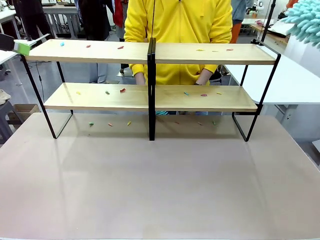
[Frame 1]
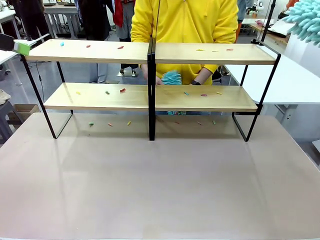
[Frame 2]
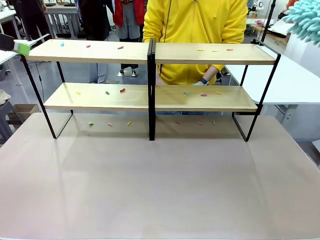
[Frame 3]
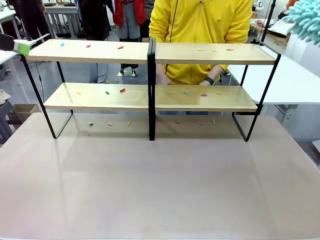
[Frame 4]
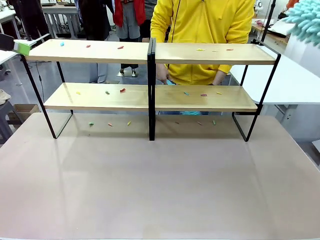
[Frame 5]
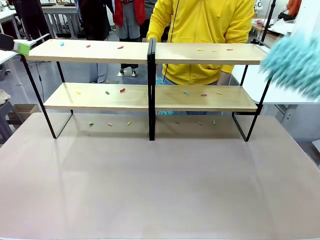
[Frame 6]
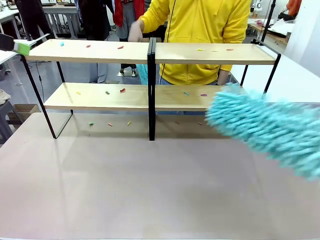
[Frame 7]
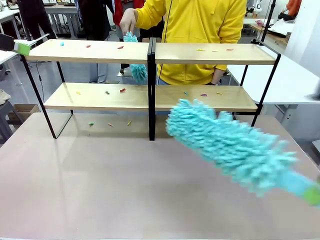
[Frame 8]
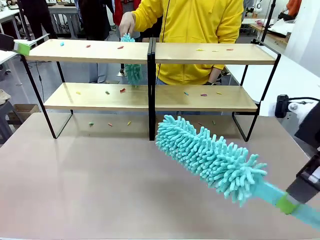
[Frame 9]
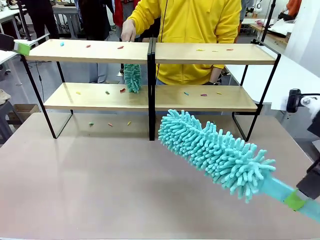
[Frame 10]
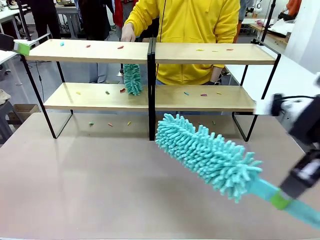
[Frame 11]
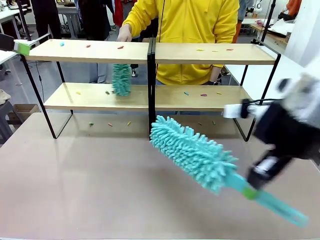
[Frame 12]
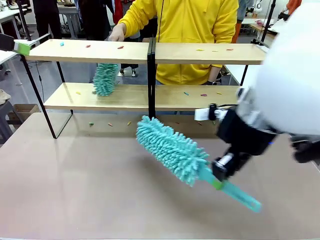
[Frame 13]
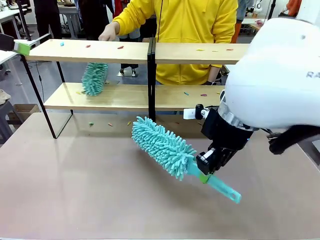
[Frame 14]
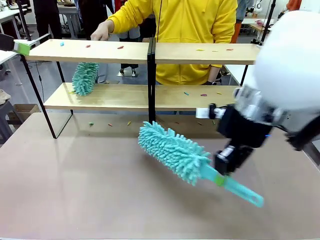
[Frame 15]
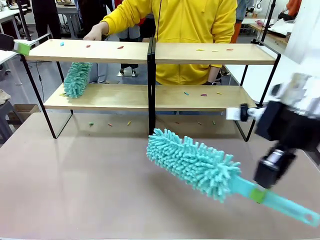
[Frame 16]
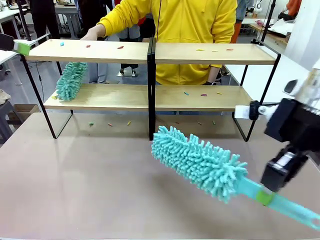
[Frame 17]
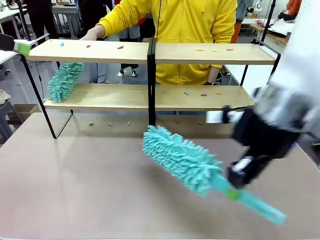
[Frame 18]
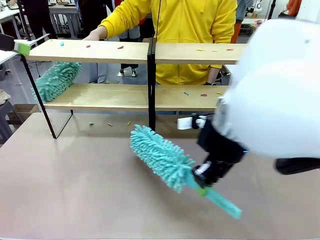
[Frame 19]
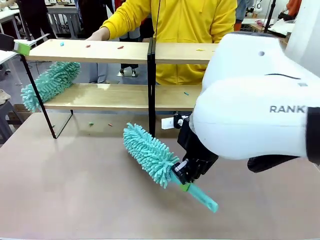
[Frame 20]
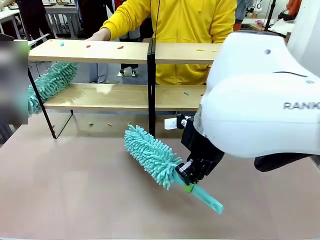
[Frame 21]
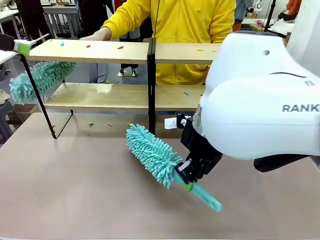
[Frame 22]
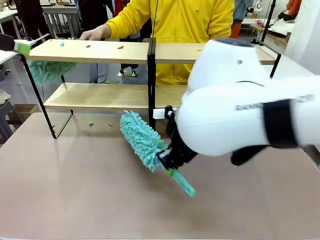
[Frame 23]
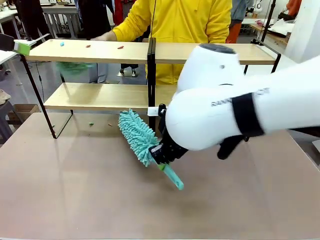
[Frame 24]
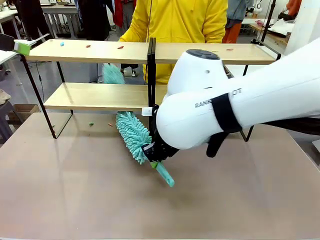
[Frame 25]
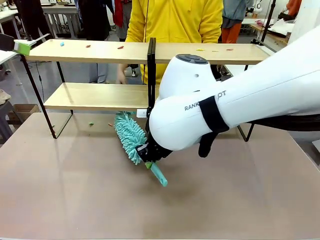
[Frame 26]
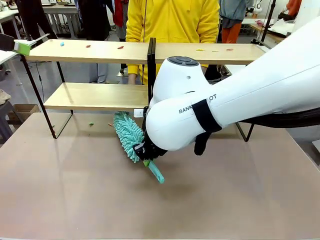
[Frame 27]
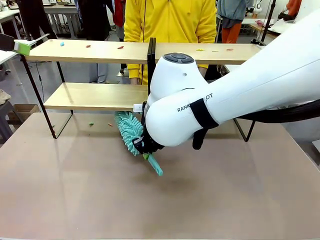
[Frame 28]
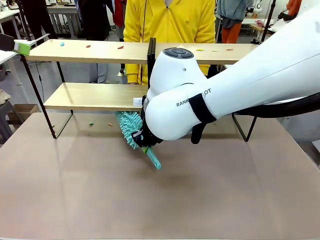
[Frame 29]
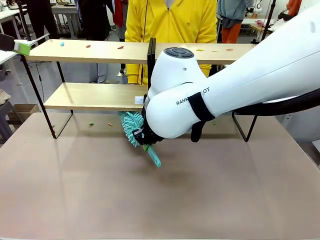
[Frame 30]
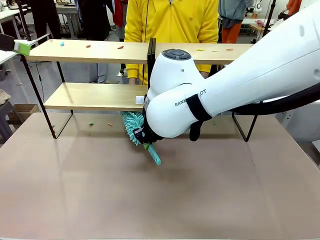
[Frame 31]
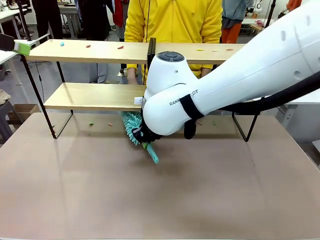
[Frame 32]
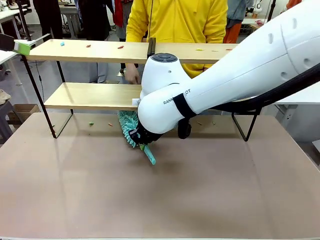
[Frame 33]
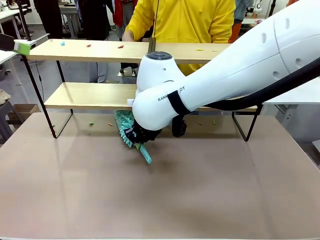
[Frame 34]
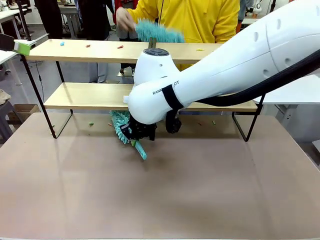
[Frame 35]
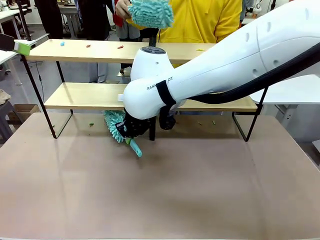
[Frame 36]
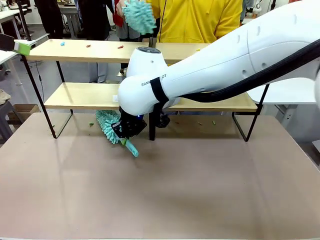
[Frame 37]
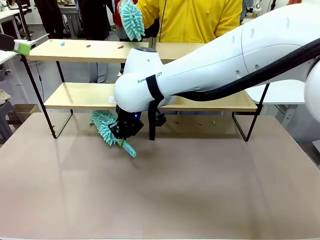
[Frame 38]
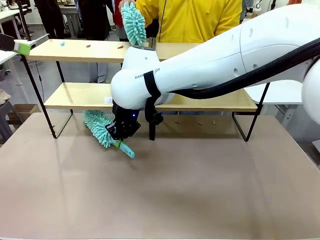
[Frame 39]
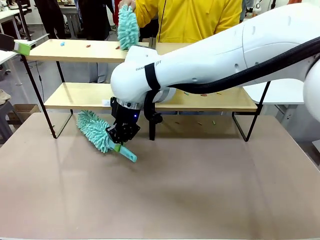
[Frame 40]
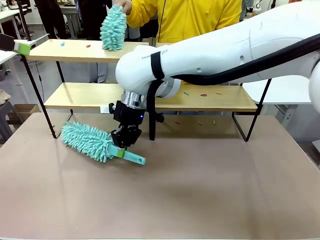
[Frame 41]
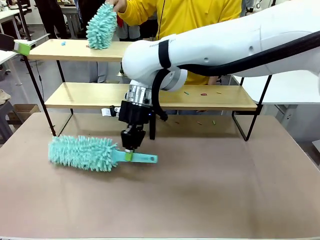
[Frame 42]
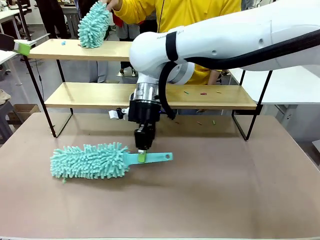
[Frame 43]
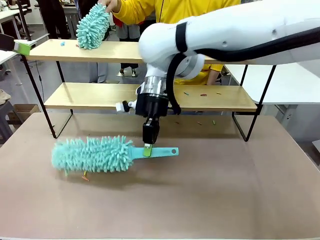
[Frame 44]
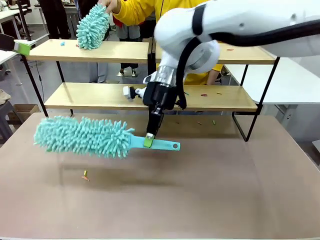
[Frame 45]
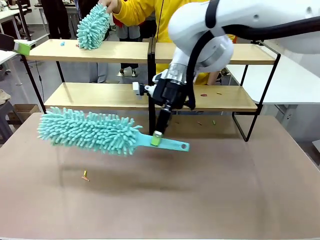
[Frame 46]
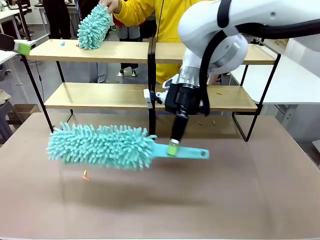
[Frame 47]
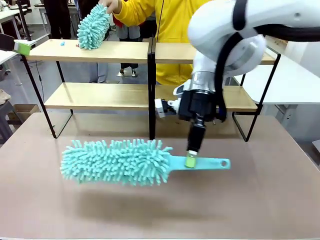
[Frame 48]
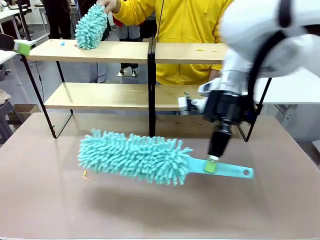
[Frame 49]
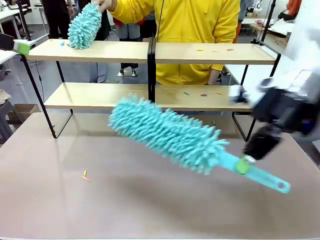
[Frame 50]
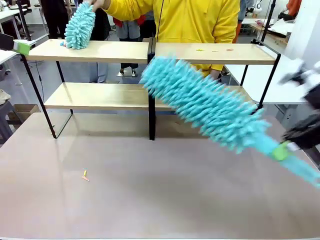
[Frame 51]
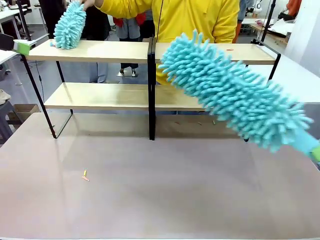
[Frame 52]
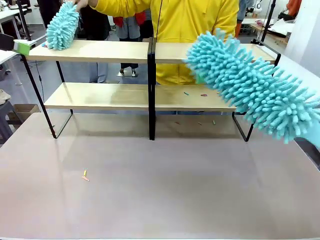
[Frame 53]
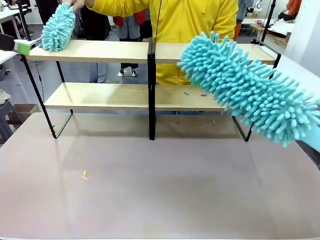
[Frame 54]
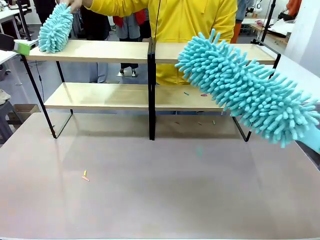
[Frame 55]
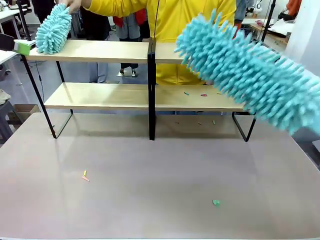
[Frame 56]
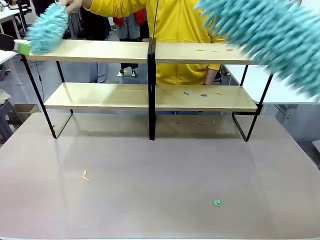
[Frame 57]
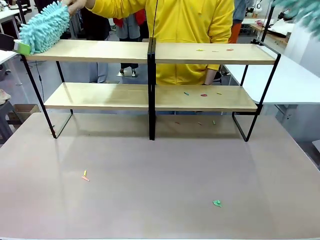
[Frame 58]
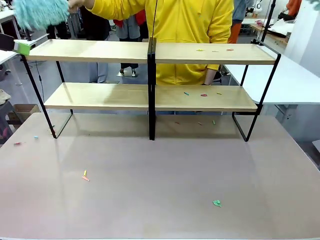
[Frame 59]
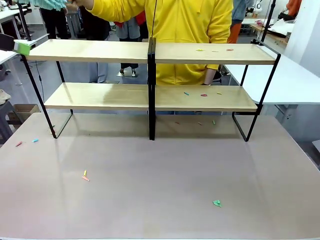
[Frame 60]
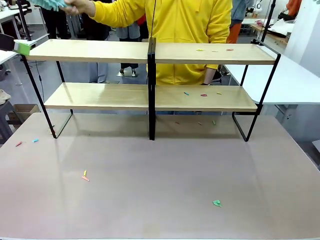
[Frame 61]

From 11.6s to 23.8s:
Task: Clean the shelves.
Robot: Clean a randomly selected level of the Shelf with the Duster.

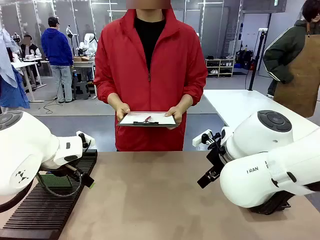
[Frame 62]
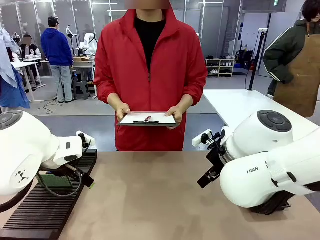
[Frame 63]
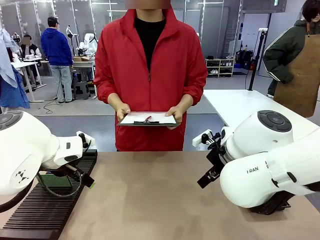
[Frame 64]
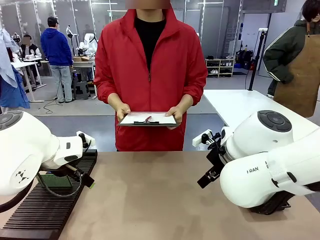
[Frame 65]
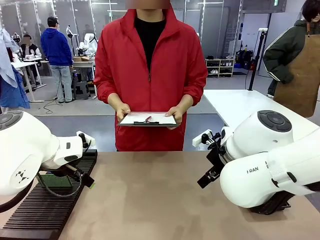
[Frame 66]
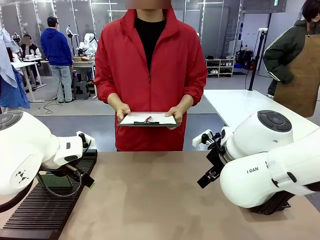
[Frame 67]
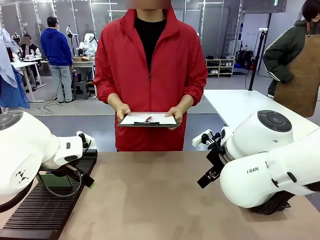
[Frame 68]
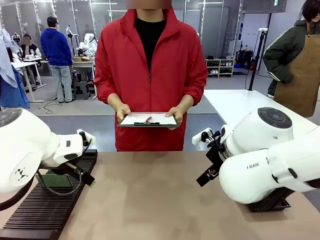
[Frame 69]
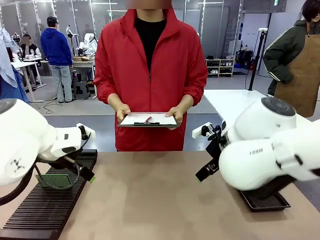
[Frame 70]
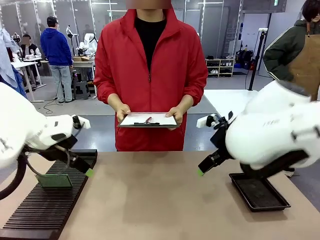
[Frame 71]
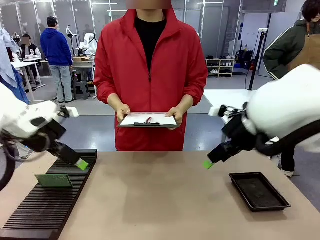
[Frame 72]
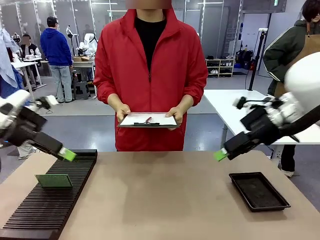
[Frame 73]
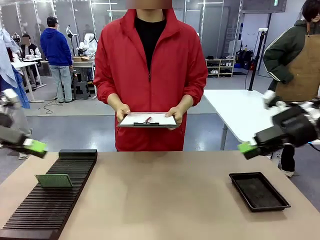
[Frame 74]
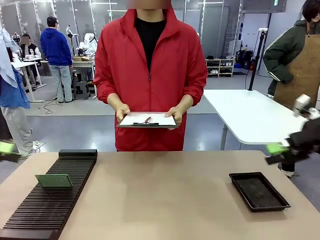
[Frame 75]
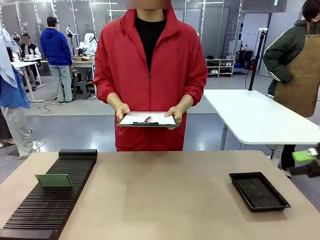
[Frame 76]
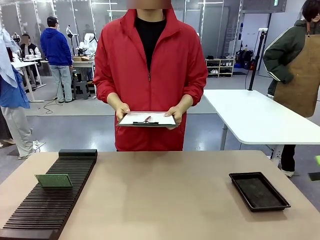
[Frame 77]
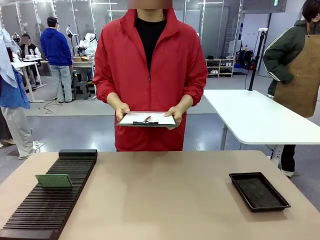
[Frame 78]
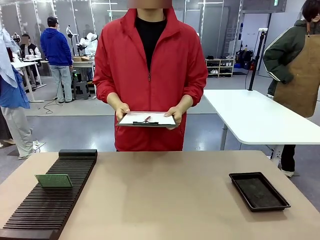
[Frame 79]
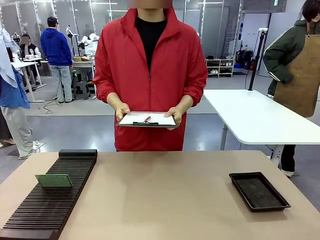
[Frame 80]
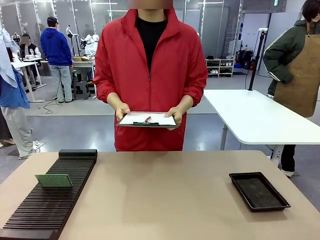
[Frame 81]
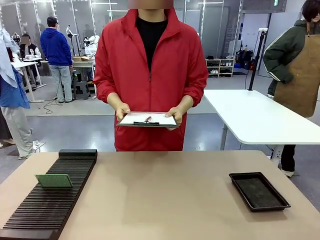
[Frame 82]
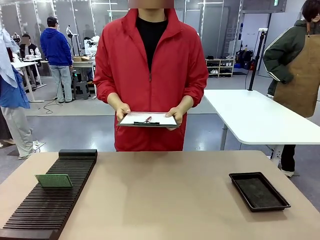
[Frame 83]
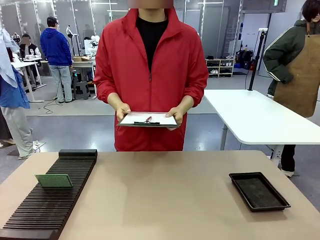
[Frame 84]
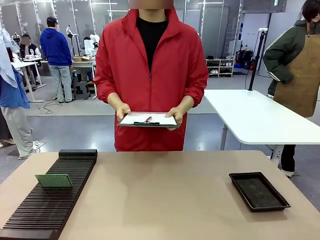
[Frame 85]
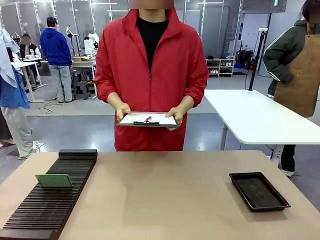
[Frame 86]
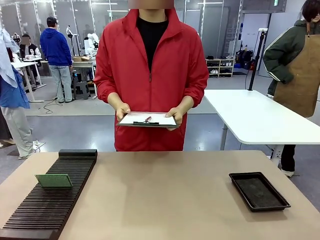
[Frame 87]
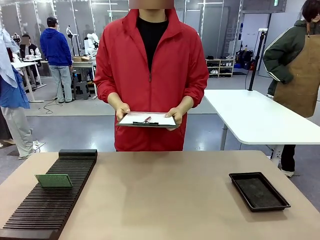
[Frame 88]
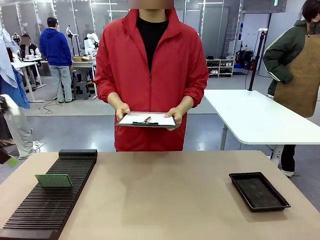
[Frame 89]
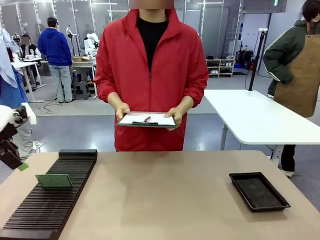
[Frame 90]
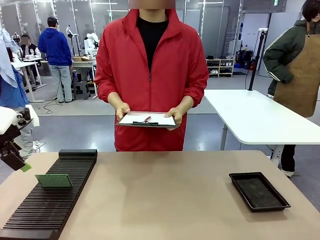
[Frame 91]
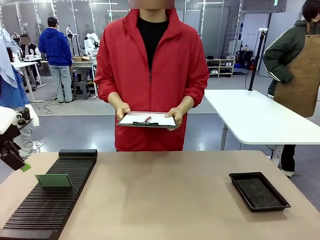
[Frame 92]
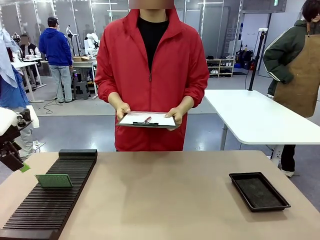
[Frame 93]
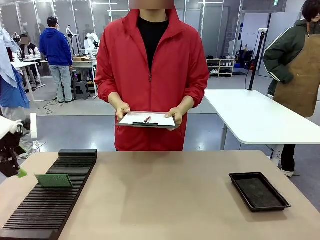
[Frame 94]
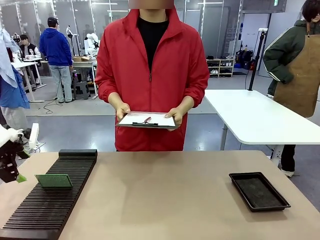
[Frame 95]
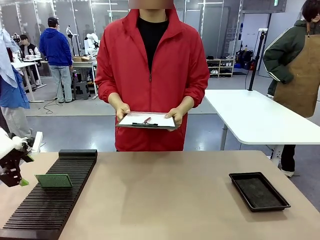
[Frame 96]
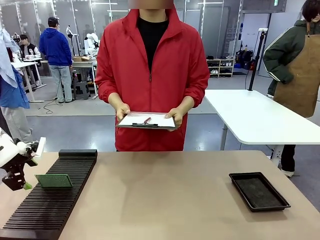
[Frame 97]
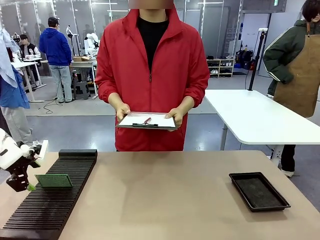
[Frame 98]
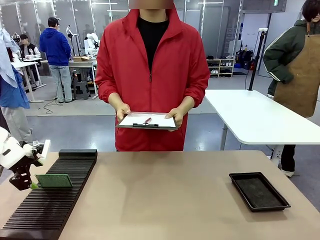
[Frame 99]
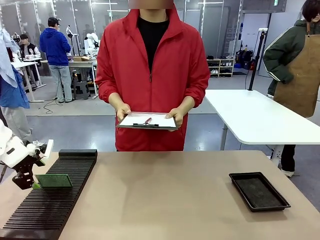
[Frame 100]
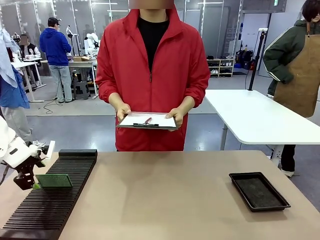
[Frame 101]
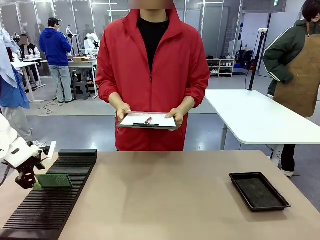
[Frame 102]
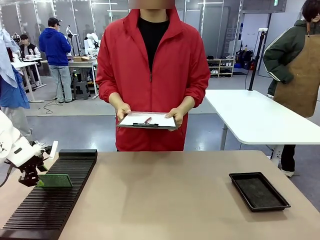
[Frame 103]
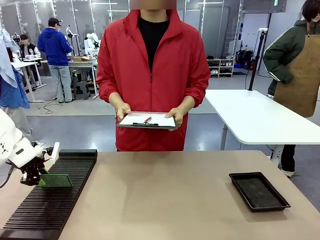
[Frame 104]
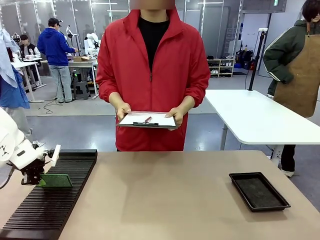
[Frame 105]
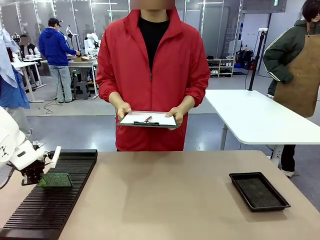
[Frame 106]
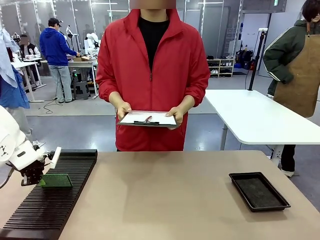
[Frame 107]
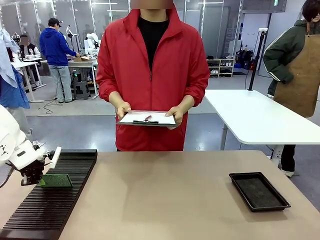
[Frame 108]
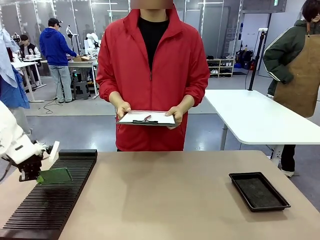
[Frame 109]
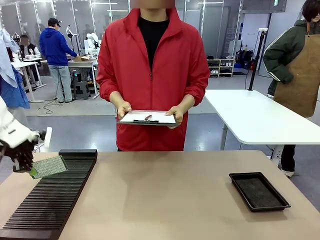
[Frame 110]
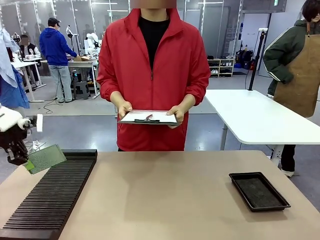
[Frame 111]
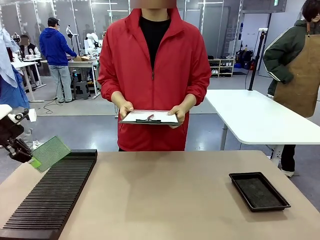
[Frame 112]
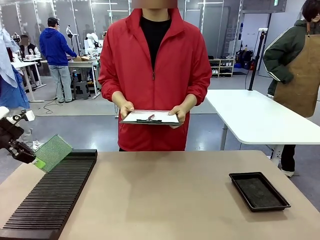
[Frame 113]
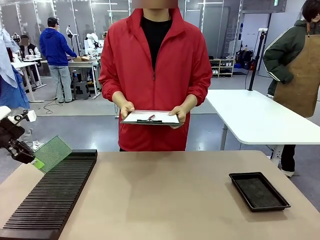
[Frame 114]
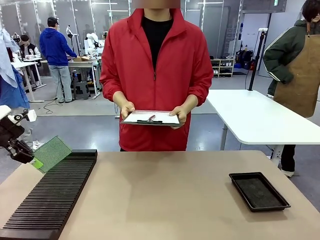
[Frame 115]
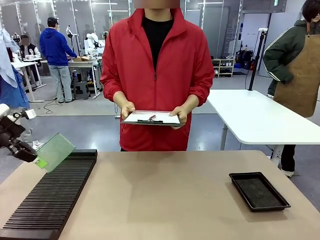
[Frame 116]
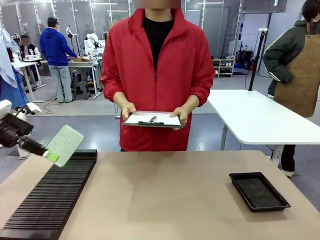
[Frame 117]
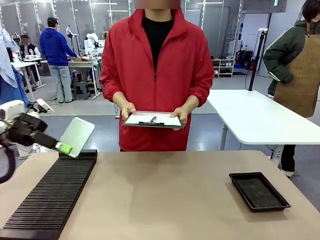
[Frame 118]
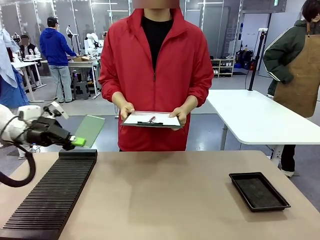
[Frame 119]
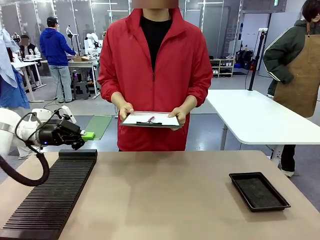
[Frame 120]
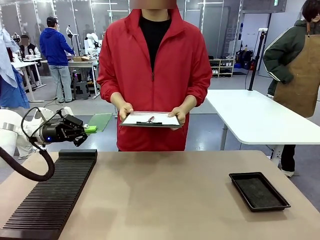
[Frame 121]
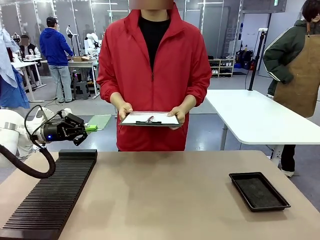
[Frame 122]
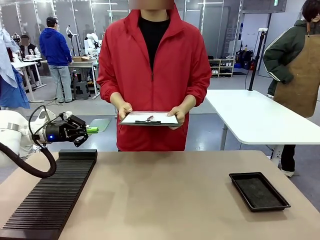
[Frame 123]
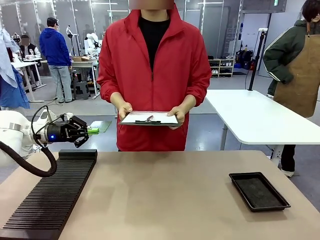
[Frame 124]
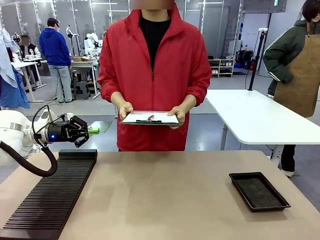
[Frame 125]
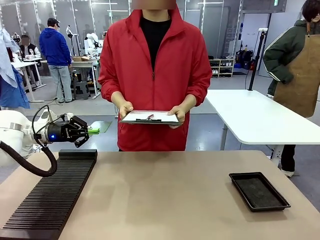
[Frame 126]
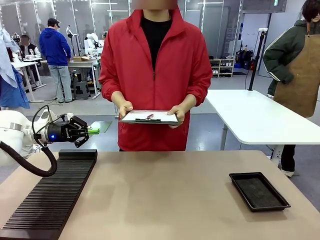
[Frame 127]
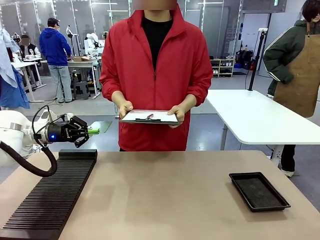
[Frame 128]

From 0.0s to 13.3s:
Task: Inspect the PCB.
Robot: Pick up the Blank PCB and present it to the human.
Person: Pick up the PCB presented by the robot.
